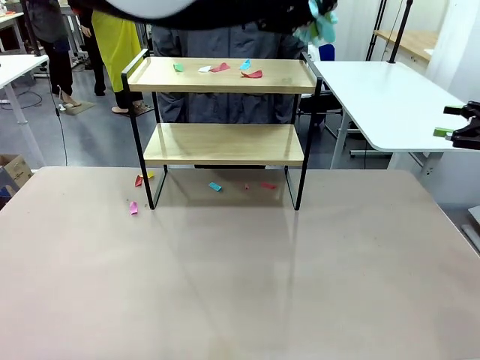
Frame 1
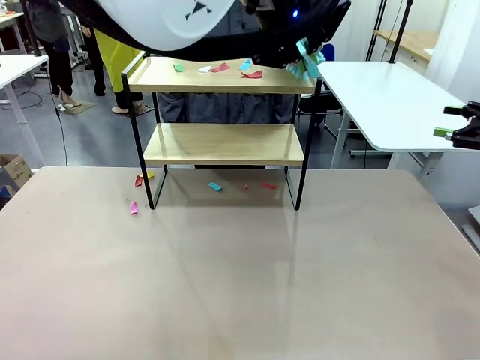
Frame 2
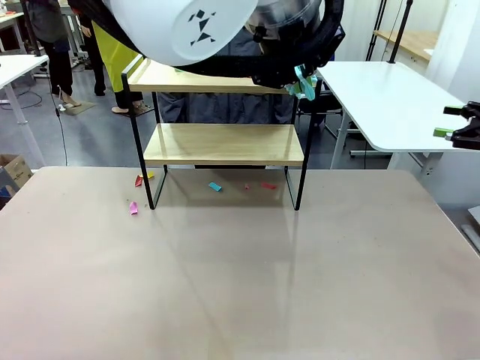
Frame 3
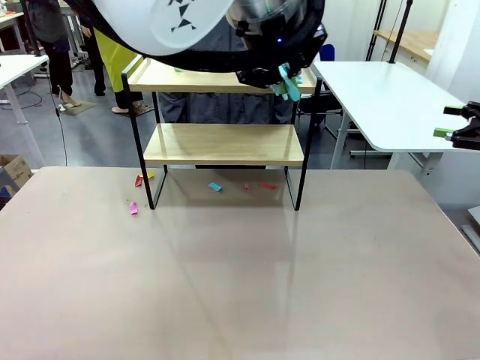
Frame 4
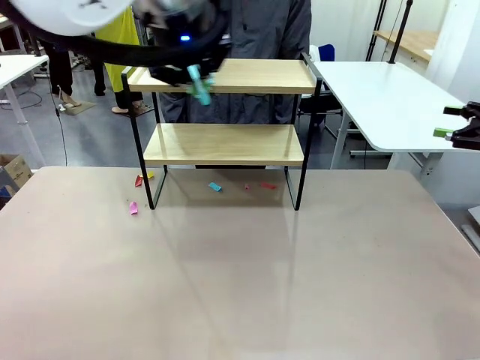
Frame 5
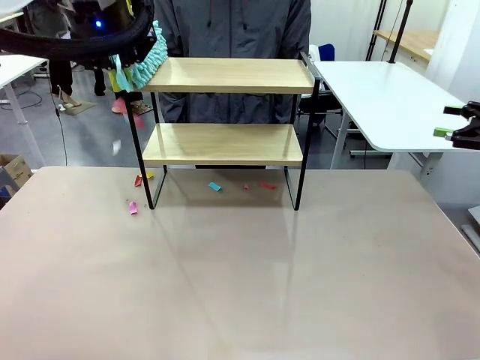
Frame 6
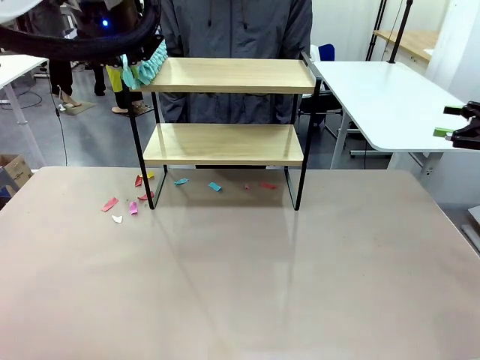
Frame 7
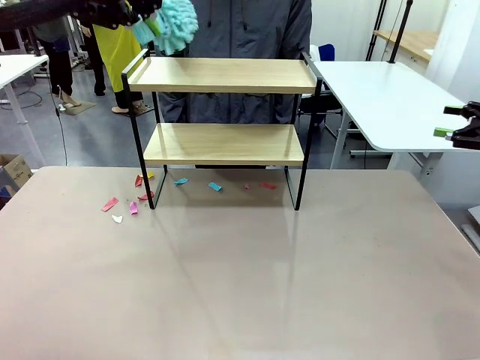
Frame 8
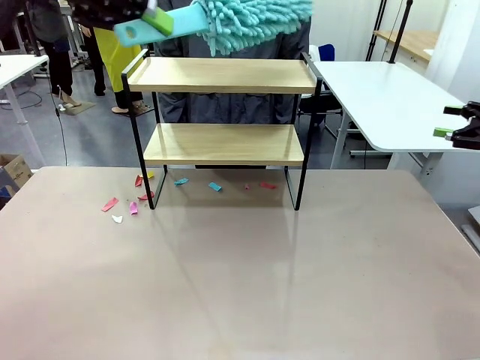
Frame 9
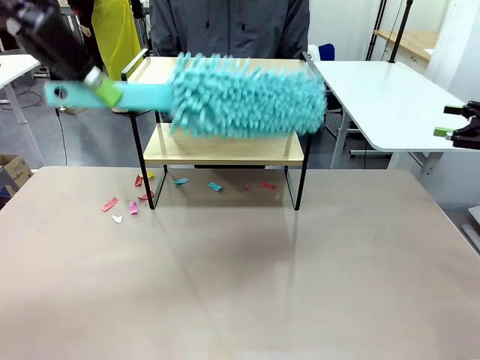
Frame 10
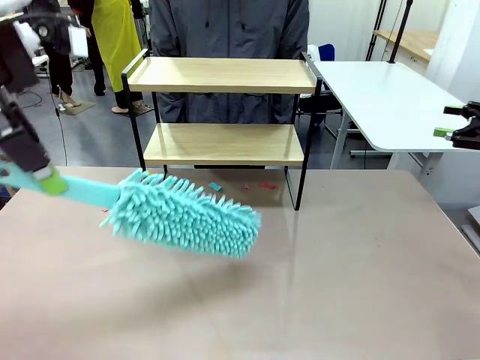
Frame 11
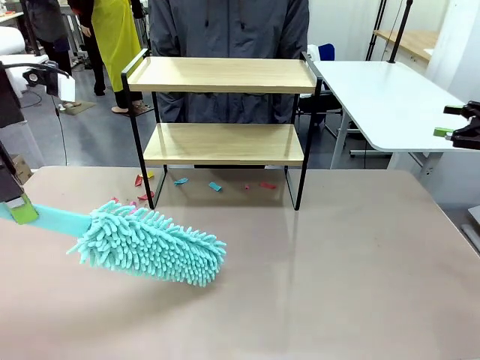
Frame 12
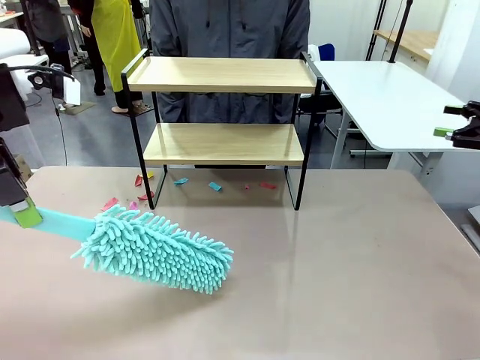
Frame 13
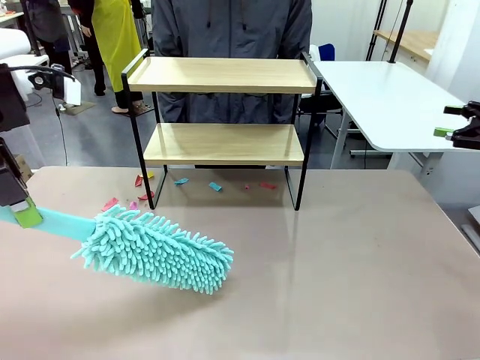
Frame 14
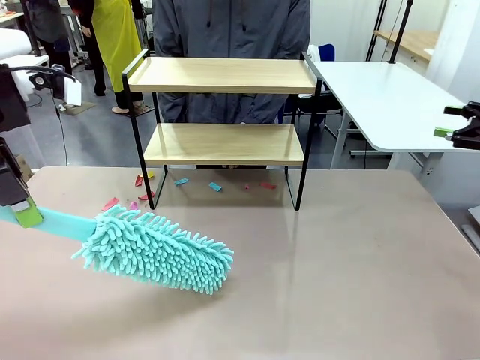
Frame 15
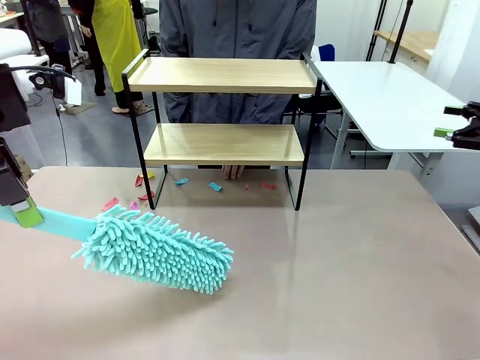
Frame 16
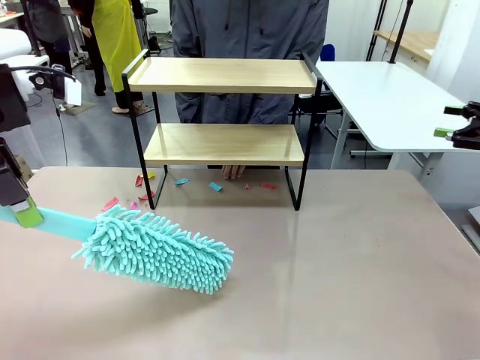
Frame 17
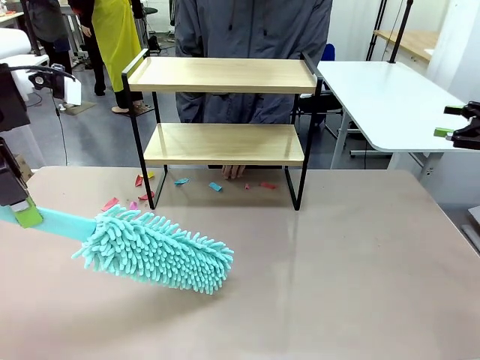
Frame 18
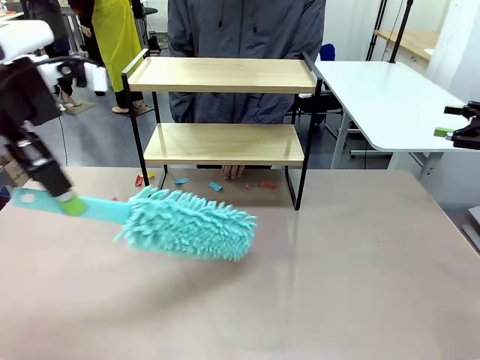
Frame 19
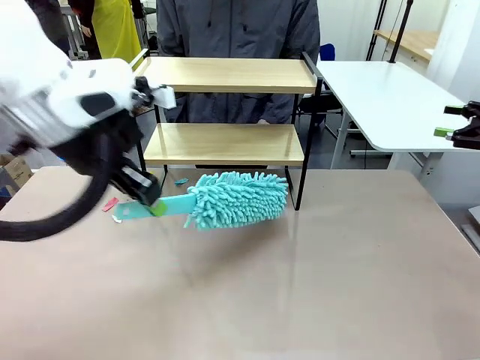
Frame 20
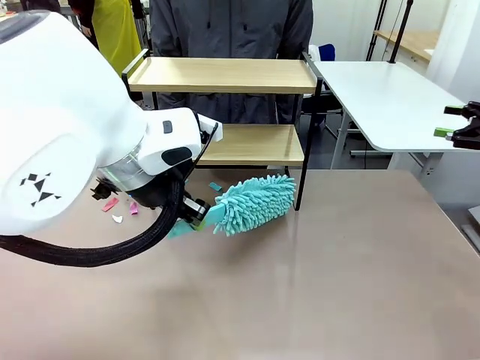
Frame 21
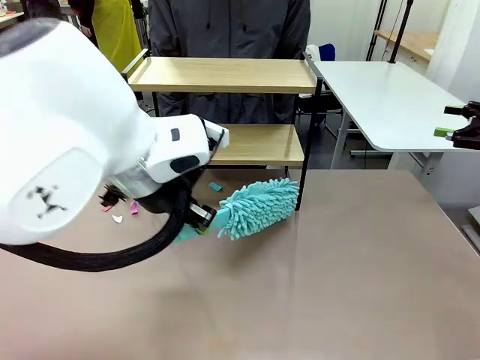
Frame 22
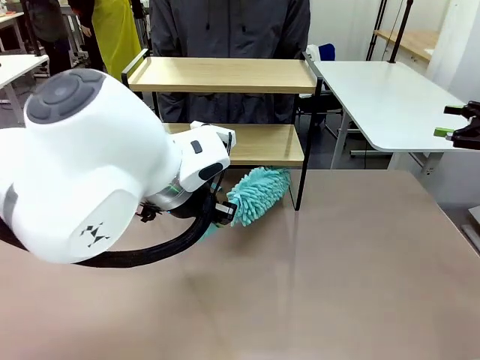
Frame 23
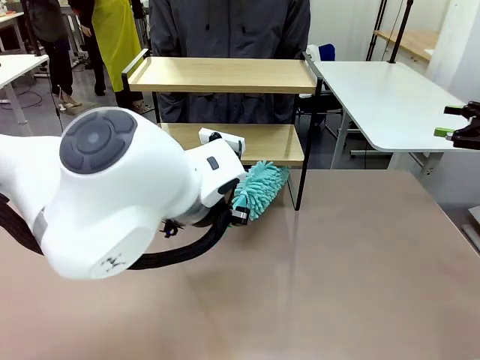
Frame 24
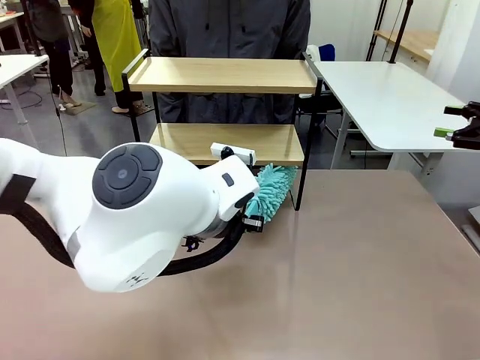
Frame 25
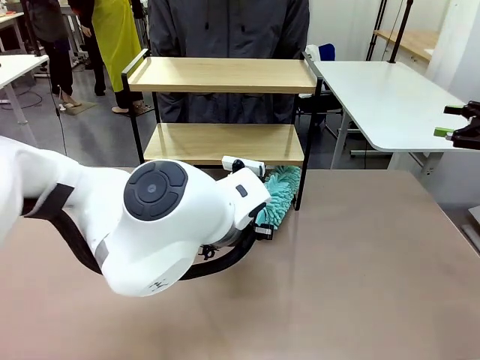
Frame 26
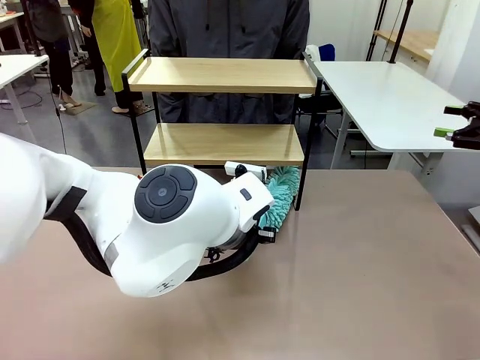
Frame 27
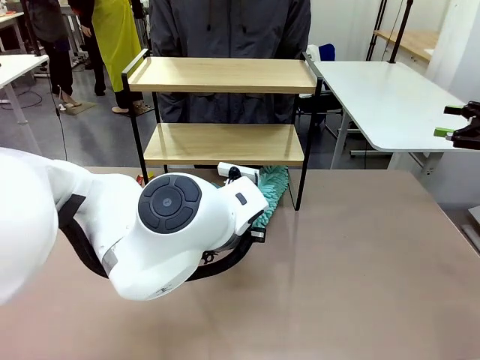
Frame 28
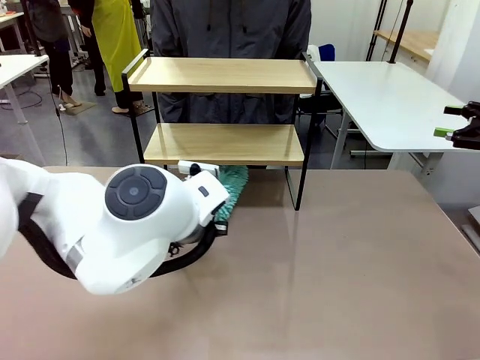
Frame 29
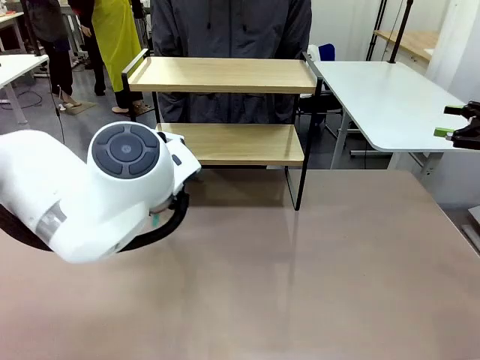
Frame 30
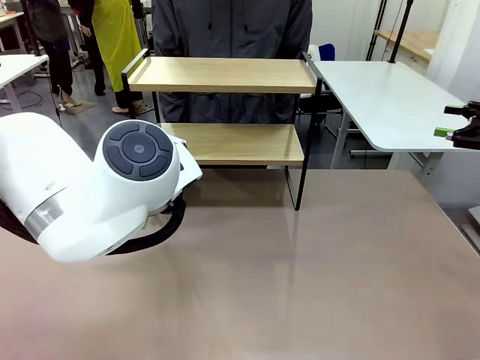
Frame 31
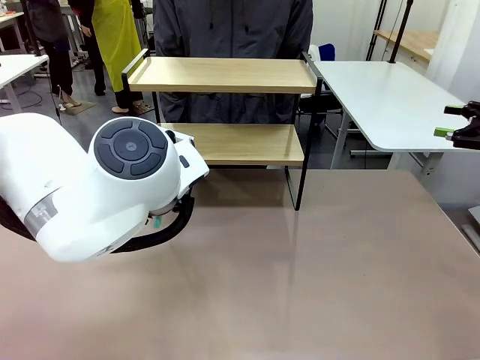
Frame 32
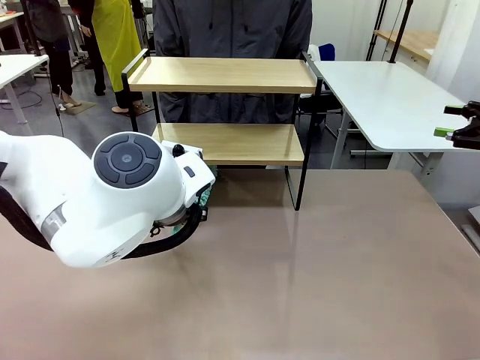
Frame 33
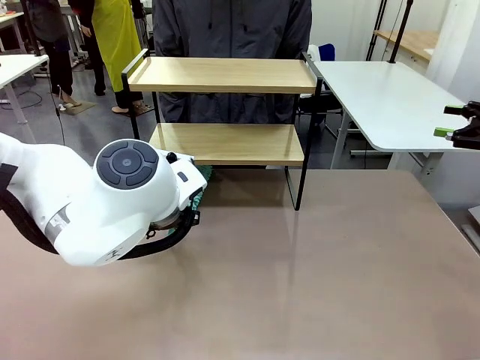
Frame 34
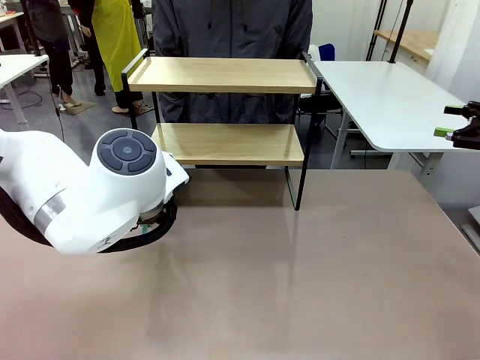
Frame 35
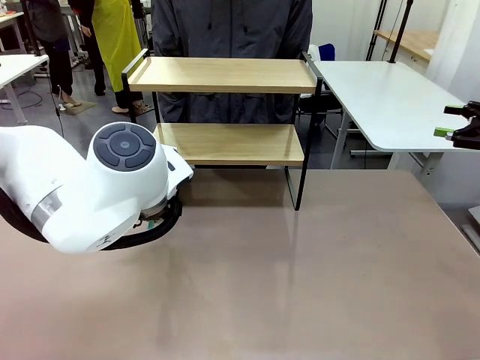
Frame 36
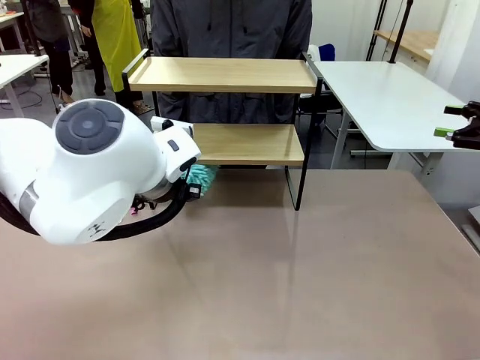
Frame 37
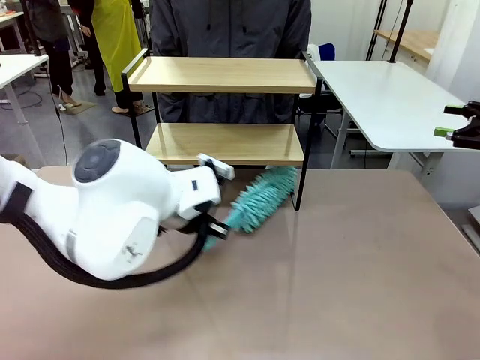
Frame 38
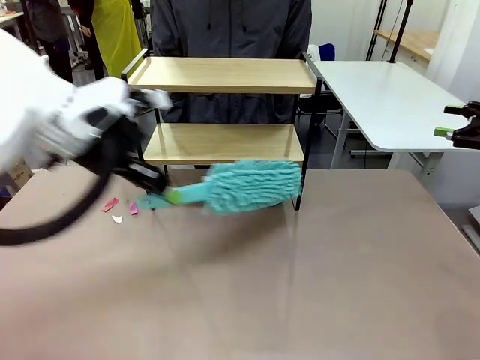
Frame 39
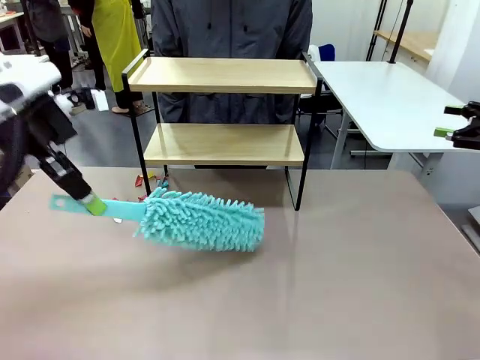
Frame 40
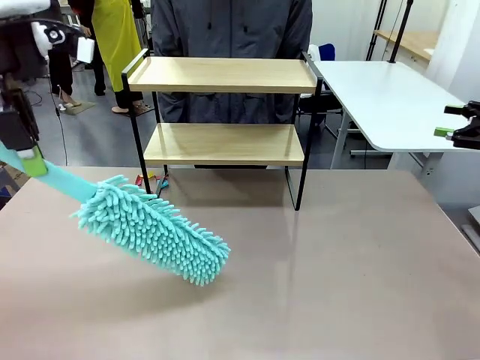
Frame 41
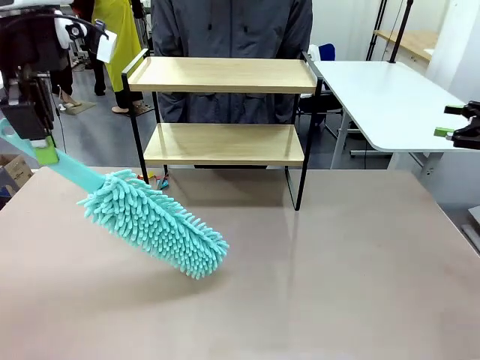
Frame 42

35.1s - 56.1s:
Task: Clean the shelf.
Robot: Clean the specific section of the Shelf indicated by the human with the Duster.
Person: Point a remaining section of the Shelf.
